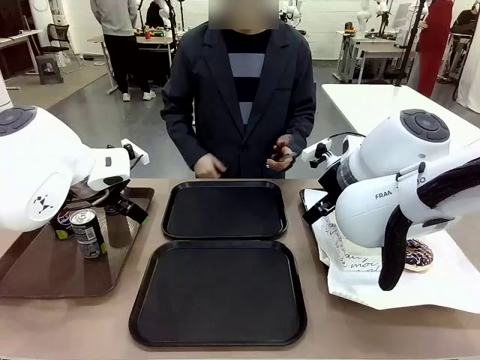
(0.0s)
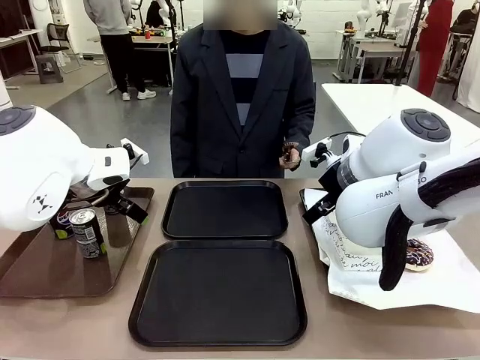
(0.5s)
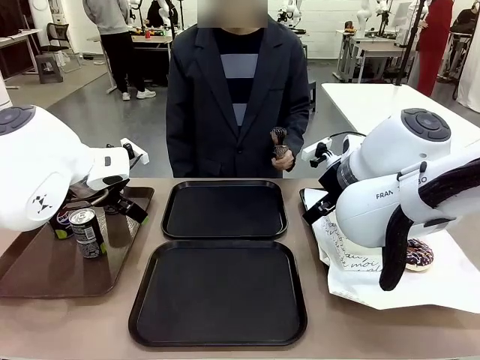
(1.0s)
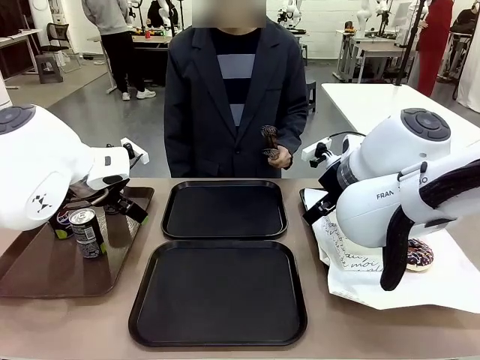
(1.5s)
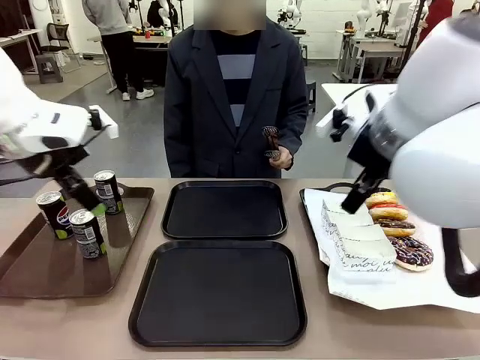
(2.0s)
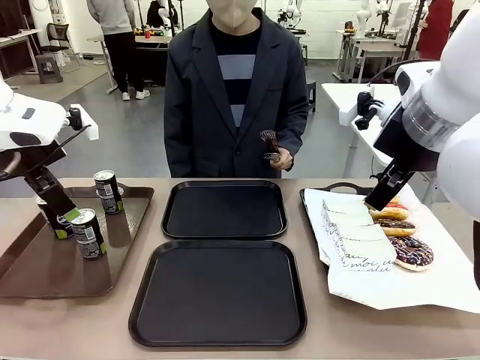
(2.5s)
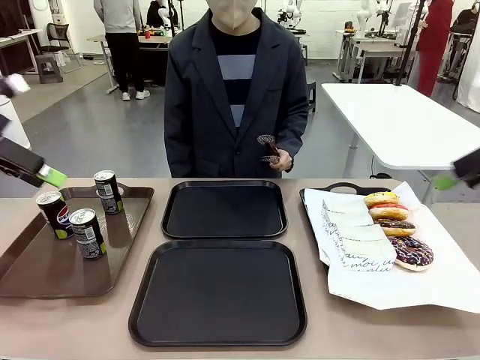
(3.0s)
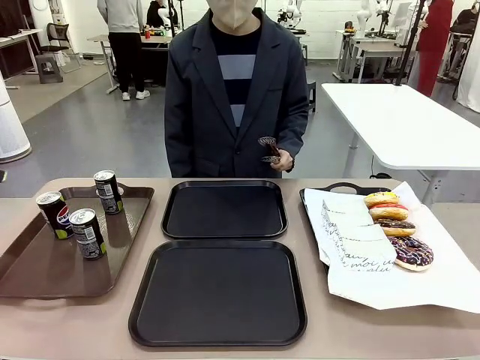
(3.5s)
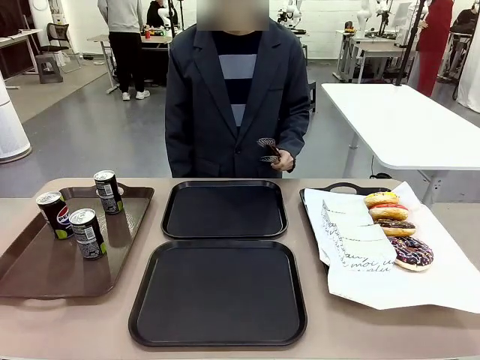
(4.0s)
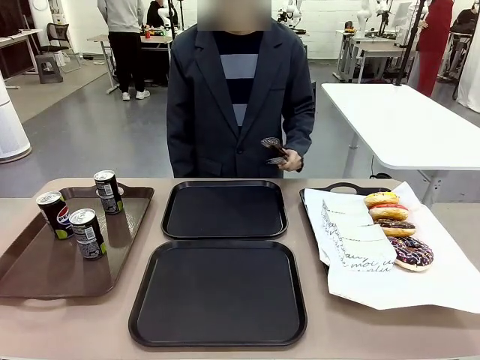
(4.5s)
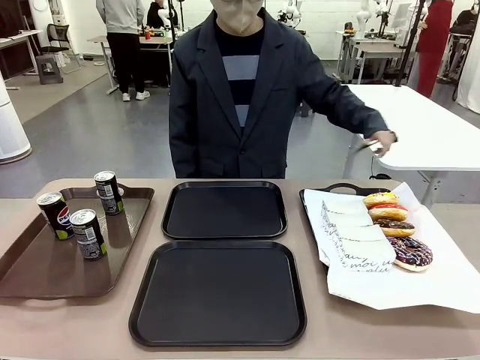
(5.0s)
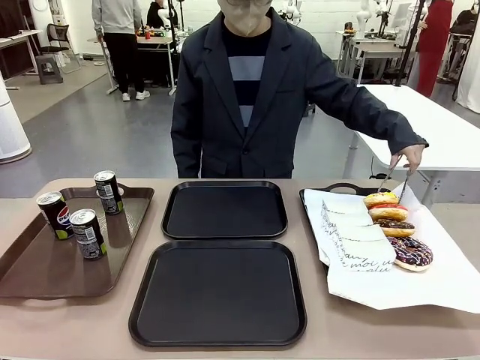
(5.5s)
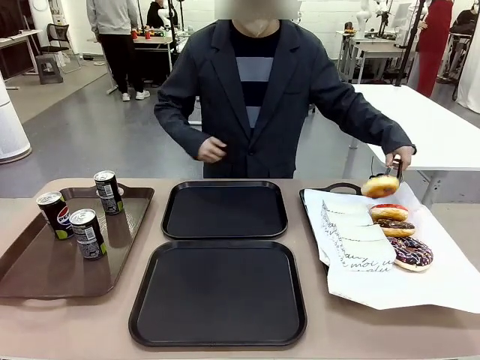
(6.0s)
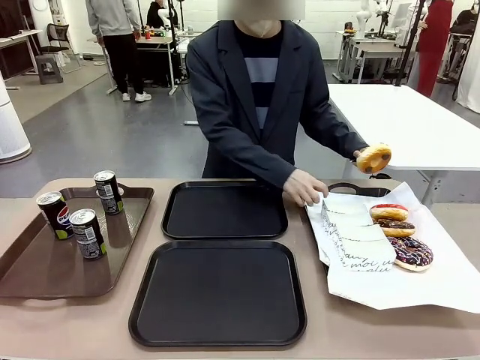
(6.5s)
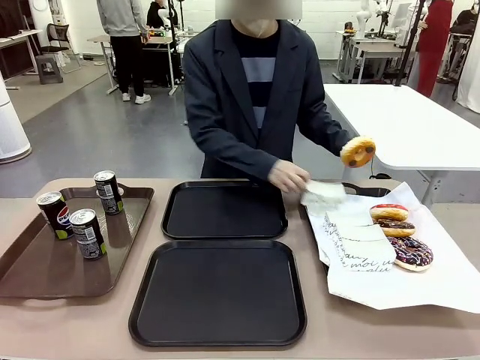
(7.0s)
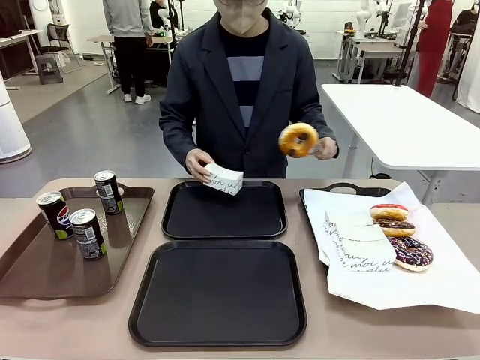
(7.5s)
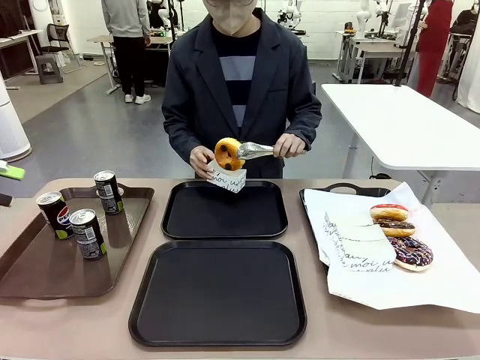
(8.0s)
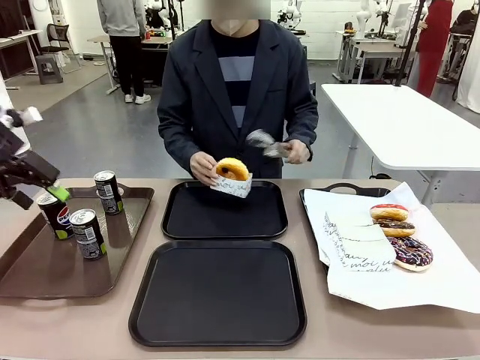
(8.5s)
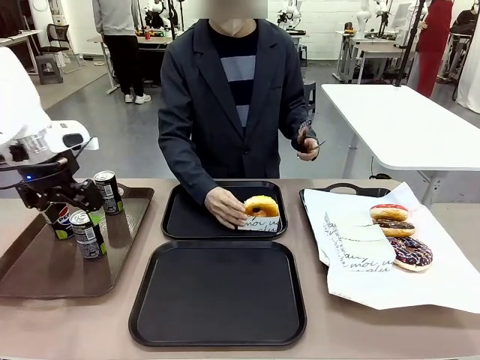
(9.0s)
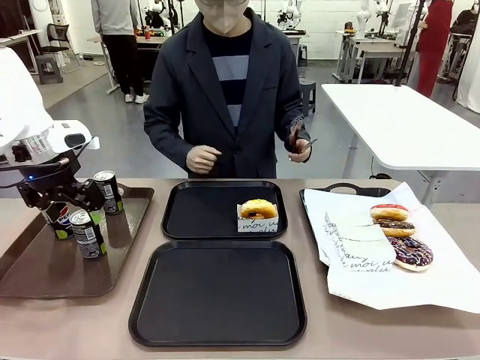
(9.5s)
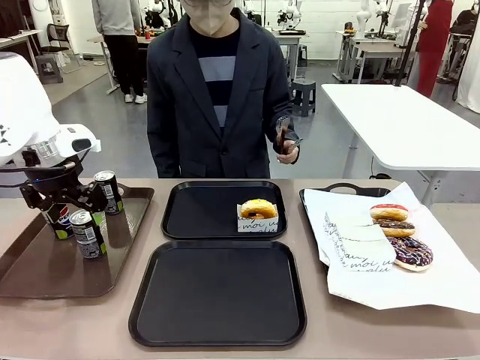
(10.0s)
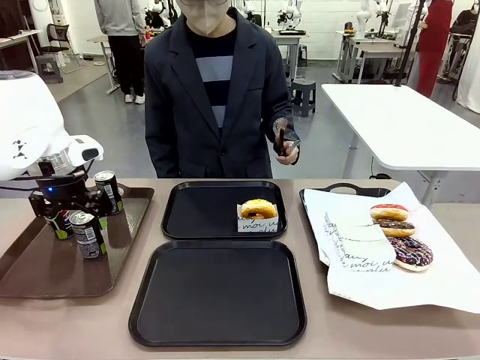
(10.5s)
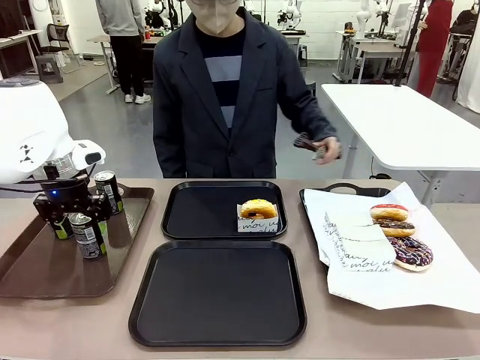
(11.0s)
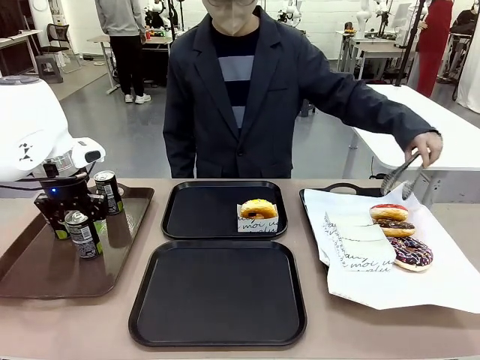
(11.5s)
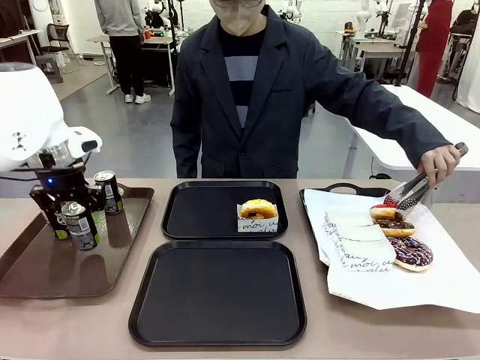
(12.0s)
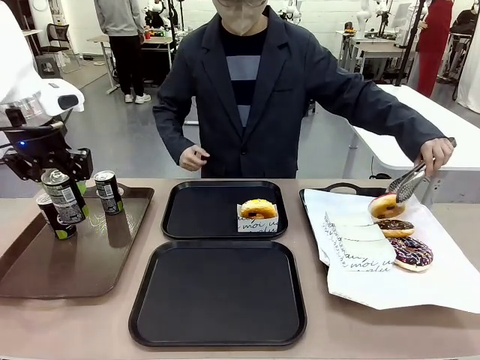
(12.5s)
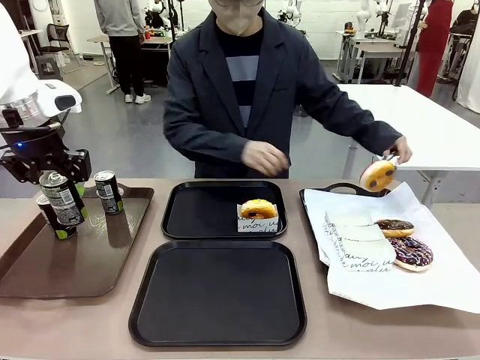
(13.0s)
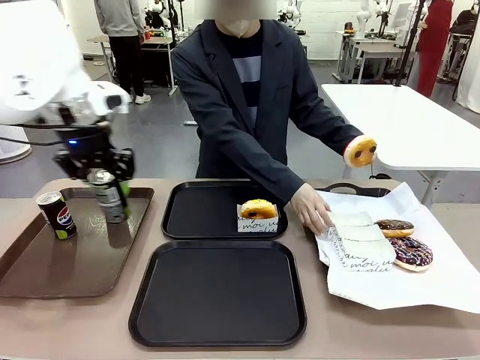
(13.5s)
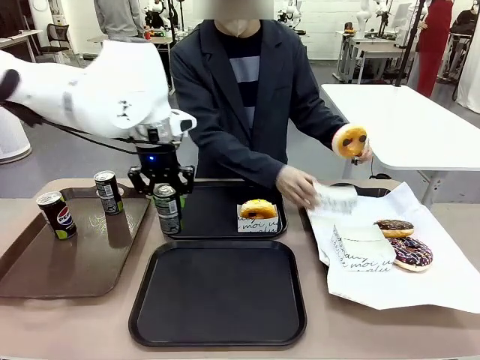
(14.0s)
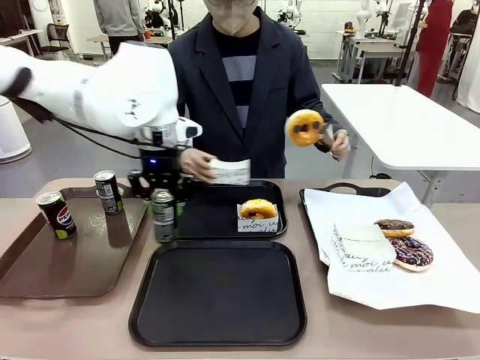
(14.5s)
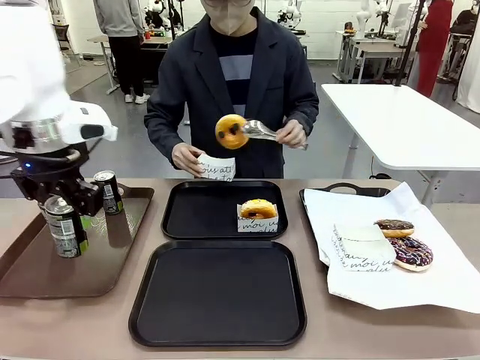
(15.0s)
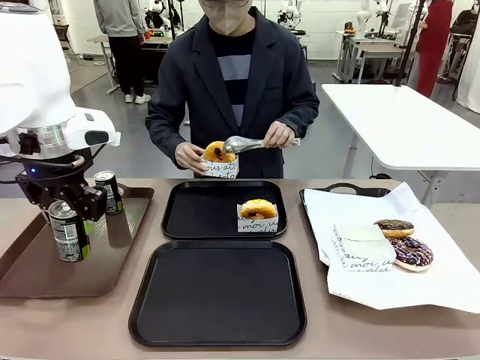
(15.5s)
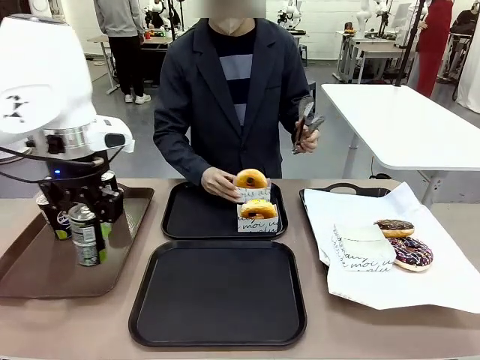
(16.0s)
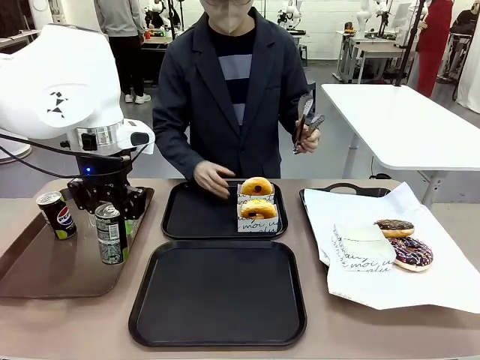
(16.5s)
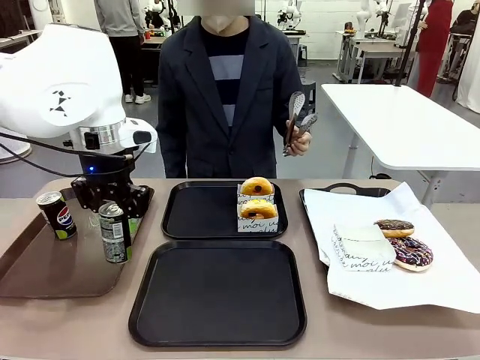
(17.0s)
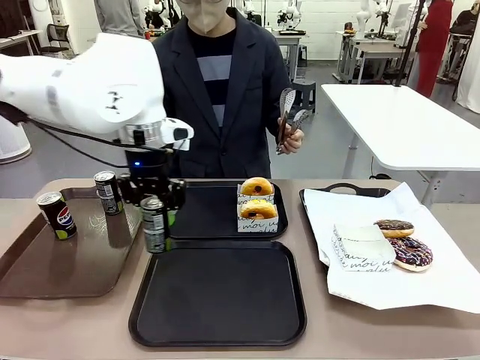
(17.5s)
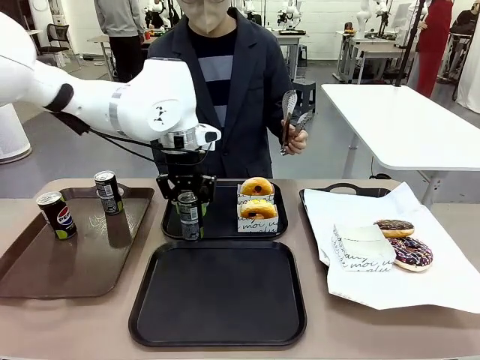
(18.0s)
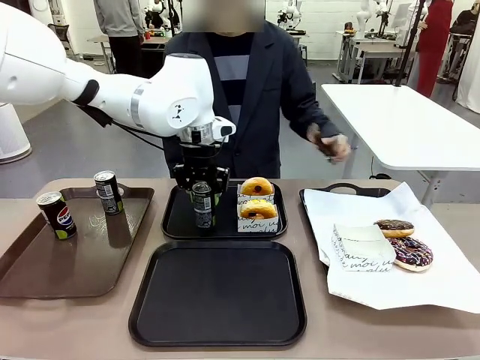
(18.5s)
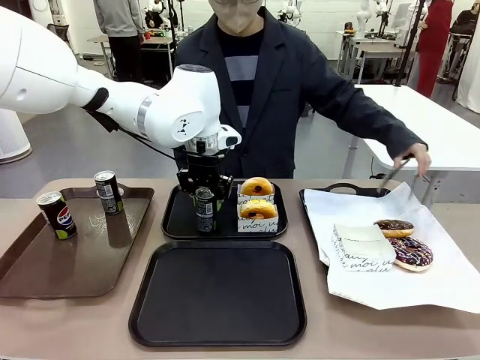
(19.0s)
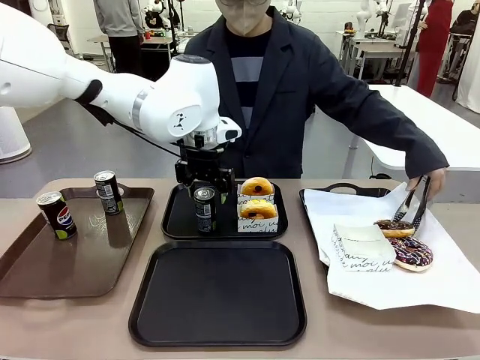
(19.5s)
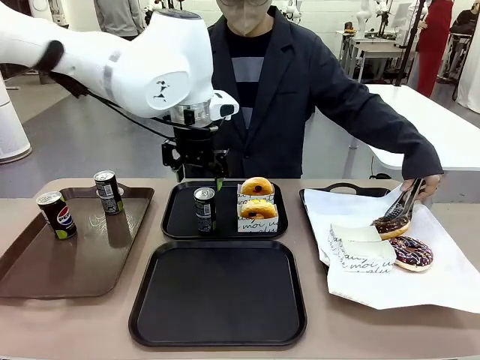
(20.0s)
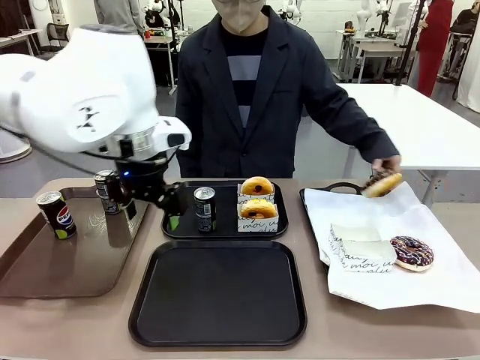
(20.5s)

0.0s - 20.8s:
Task: Set up donuts and drinks on trays.
Robot: Pick up one Pepsi coke and place it on the Flat Tray.
Person: Pick up one donut with tongs, place it in the donut tray, and then place the donut tray on the flat tray.
